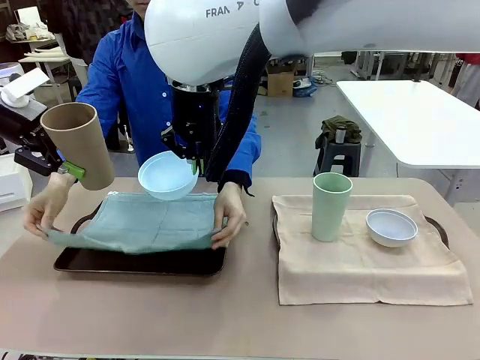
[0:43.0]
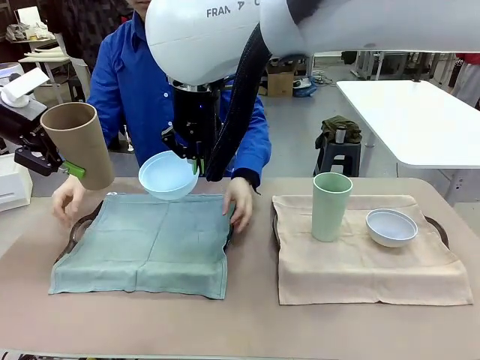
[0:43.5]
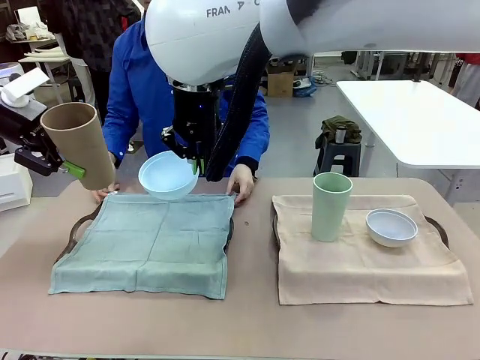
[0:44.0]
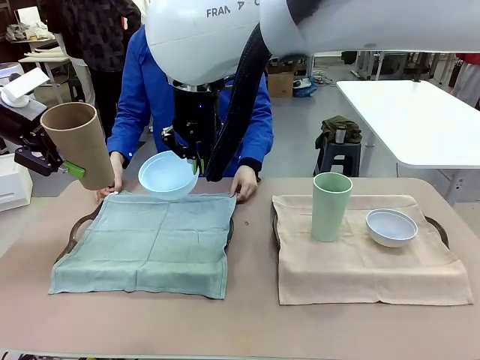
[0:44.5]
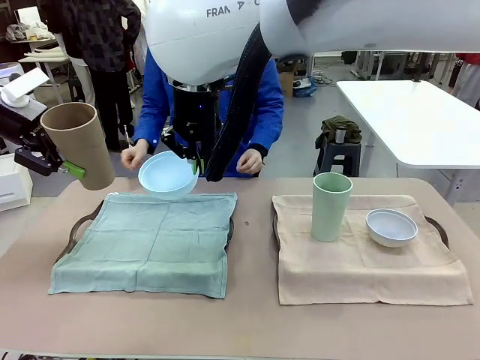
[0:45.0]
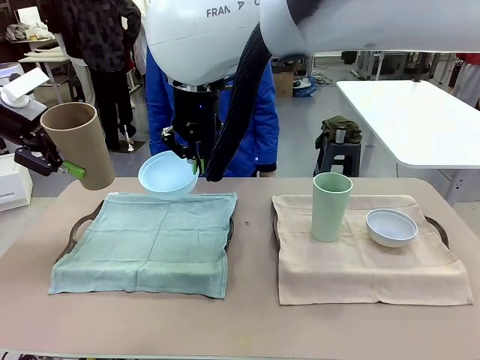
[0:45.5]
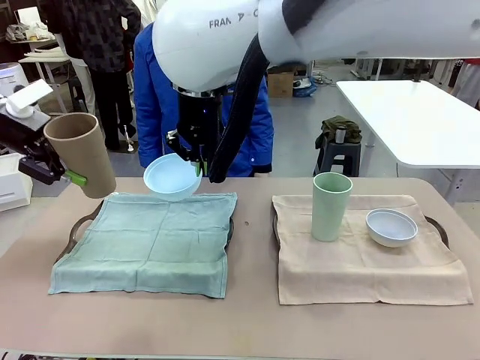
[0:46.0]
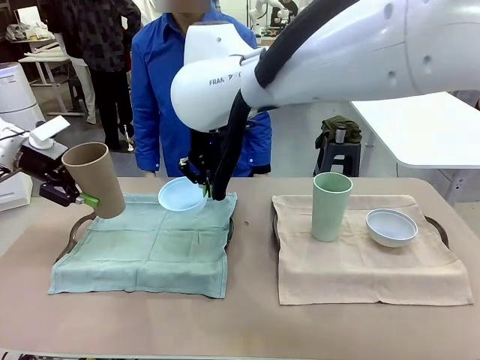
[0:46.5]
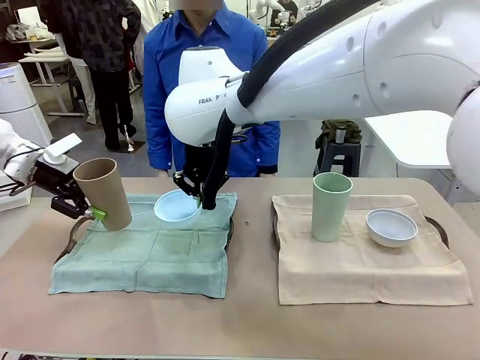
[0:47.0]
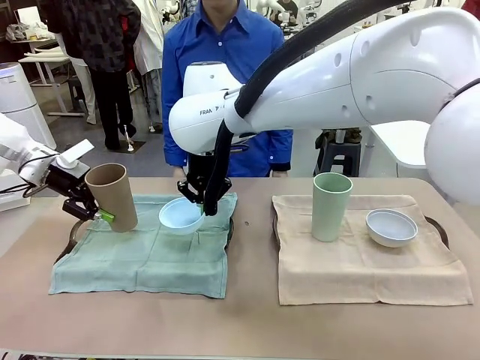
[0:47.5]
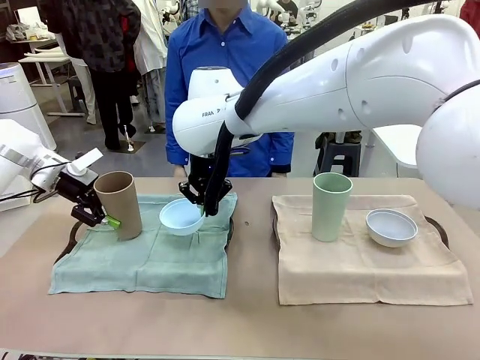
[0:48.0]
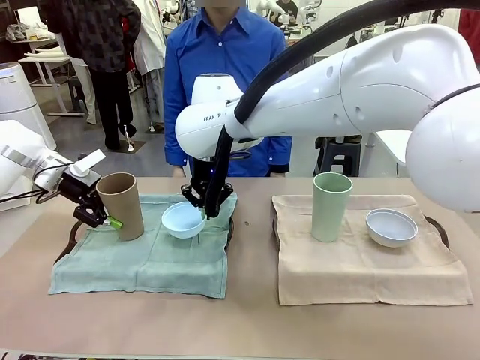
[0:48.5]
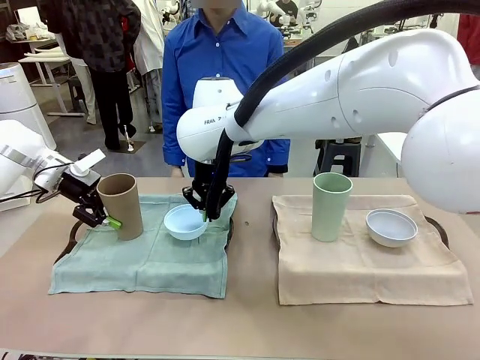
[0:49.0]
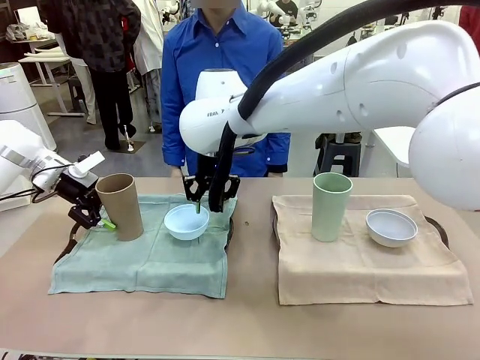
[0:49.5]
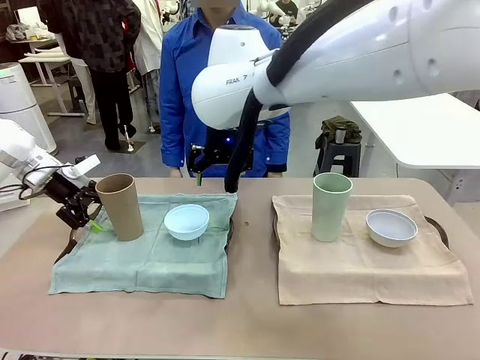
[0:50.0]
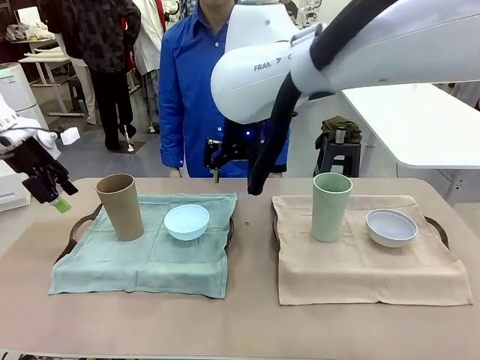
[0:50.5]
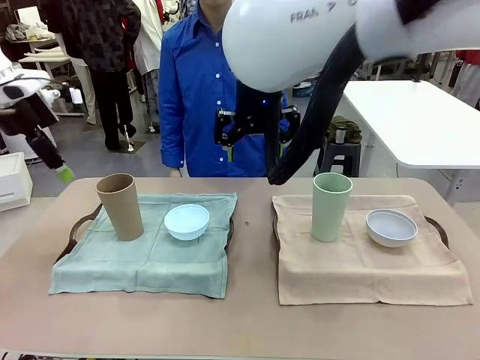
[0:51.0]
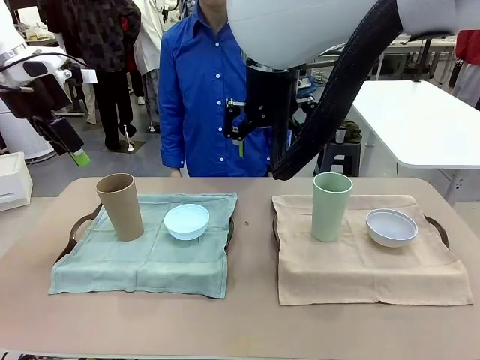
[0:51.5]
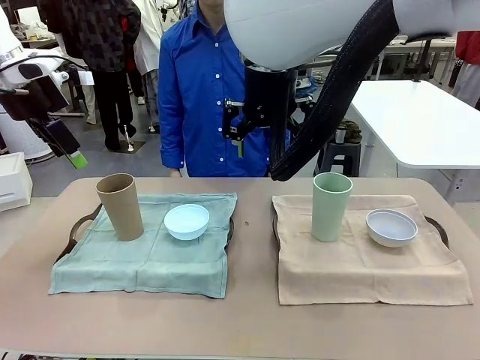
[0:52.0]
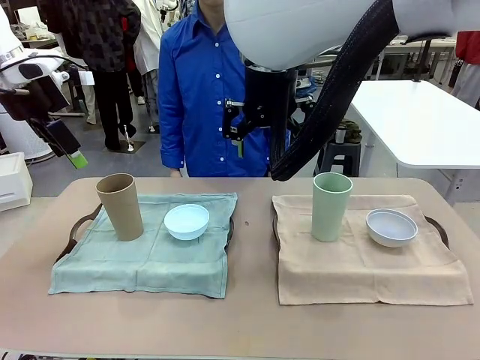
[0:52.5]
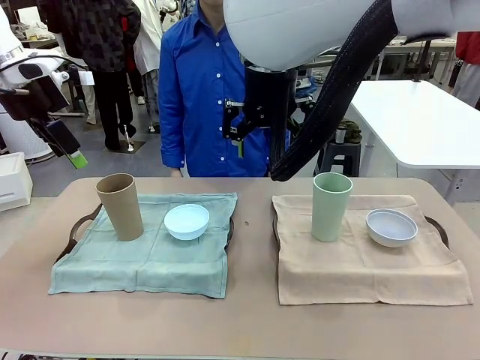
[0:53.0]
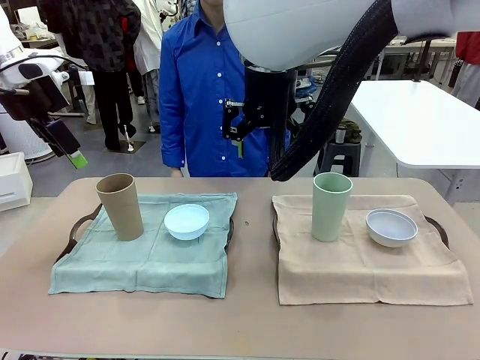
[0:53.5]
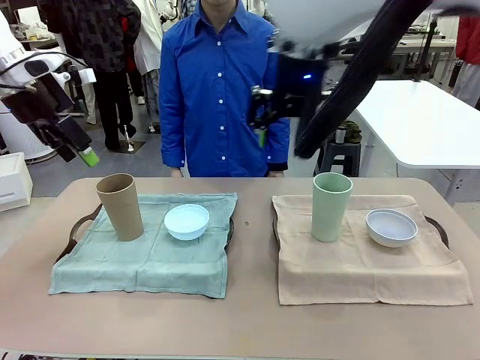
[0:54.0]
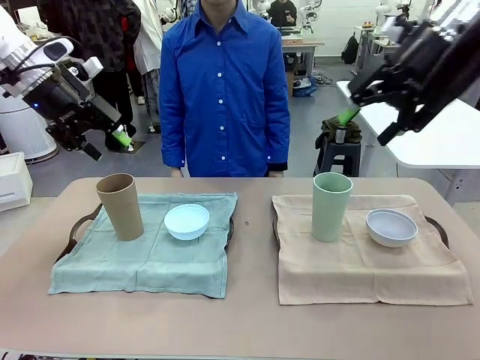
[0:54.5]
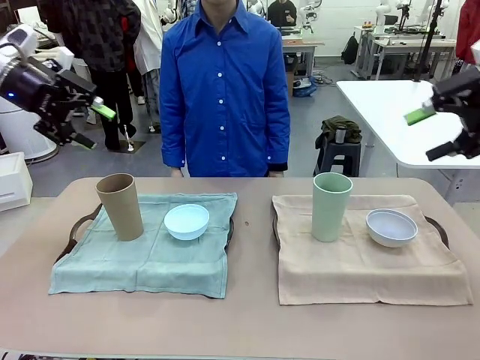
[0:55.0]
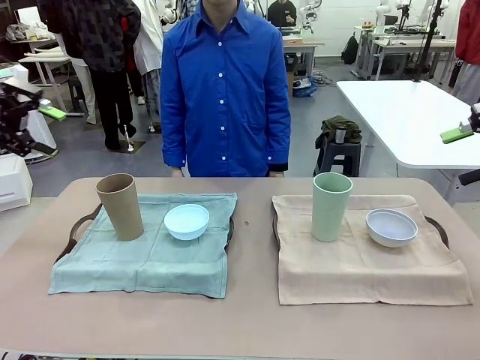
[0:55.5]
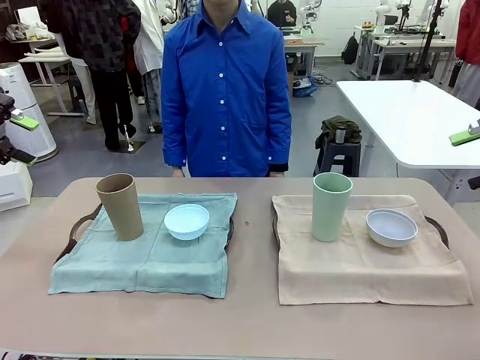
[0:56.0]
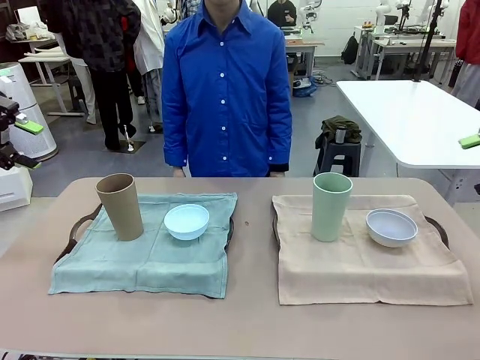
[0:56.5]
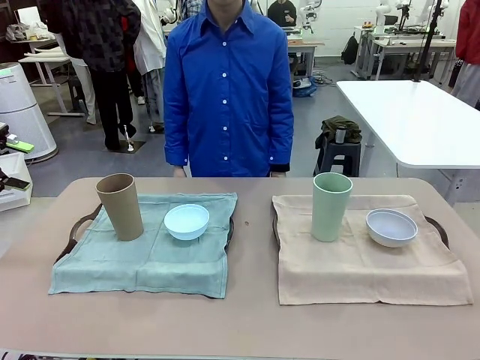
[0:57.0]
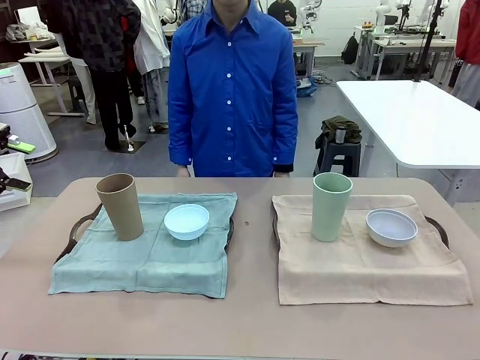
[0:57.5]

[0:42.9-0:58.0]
Robot: Place the Picnic Bowl and Reusable plastic cup back onto the Handle tray in front of the human's position.
Person: When the robot lifts the bowl and the cup, the human unfolds the napkin and lays the napkin flat on the tray.

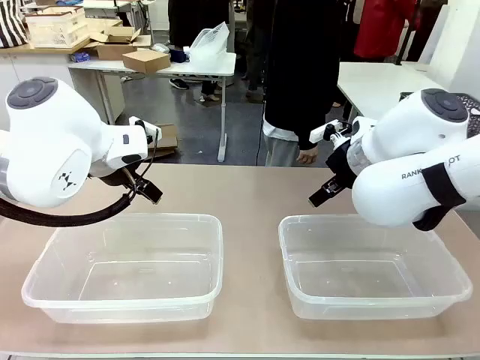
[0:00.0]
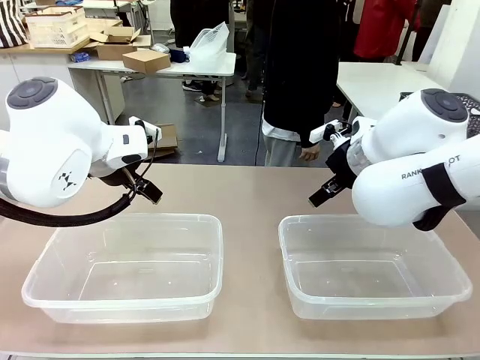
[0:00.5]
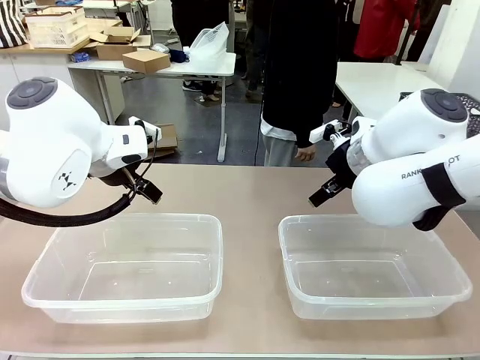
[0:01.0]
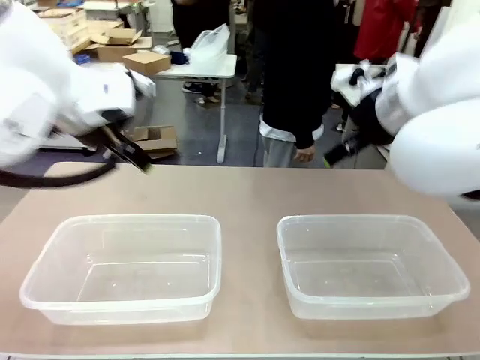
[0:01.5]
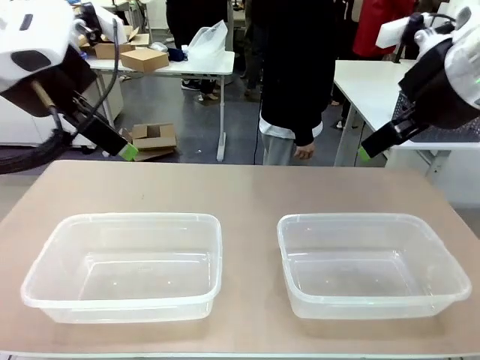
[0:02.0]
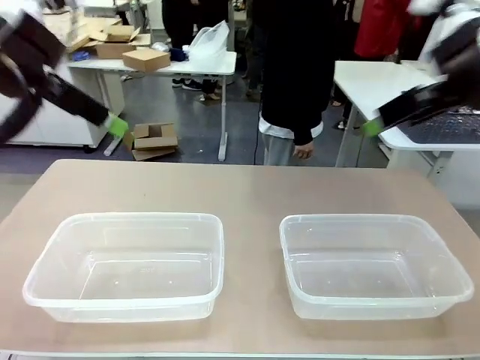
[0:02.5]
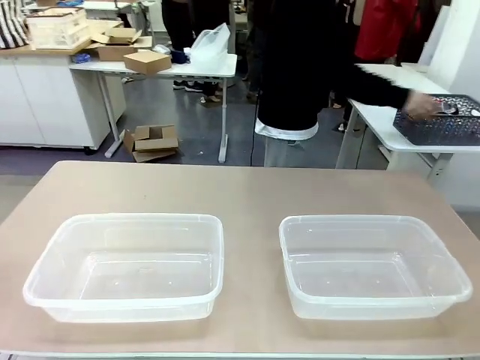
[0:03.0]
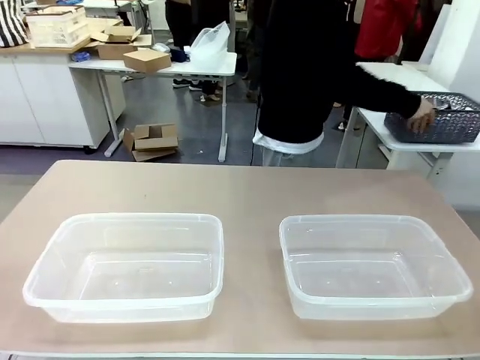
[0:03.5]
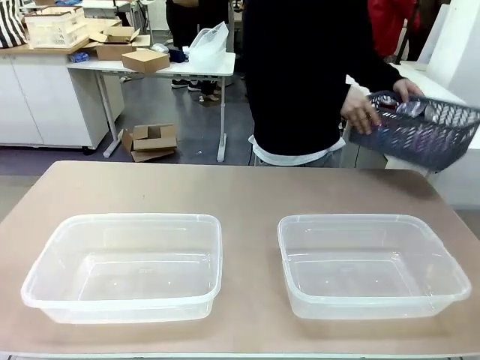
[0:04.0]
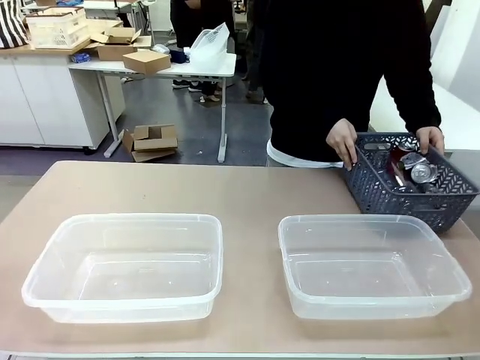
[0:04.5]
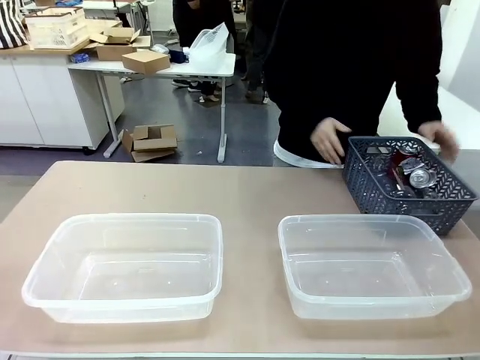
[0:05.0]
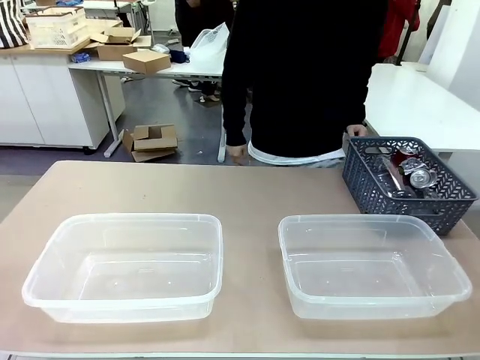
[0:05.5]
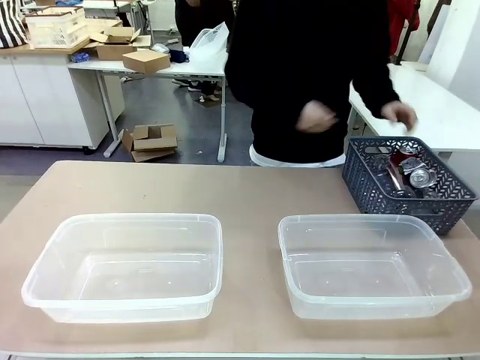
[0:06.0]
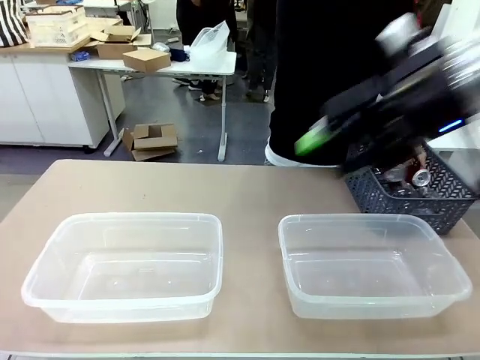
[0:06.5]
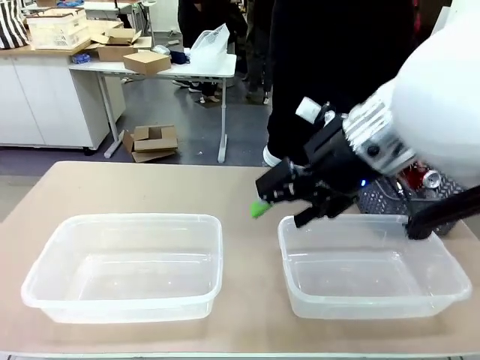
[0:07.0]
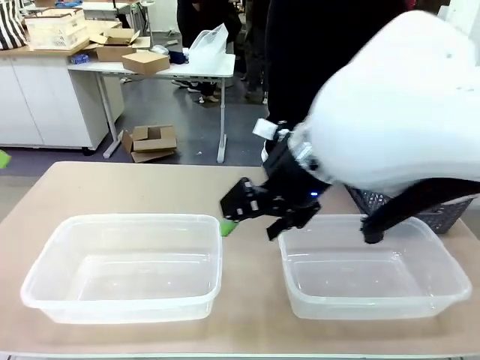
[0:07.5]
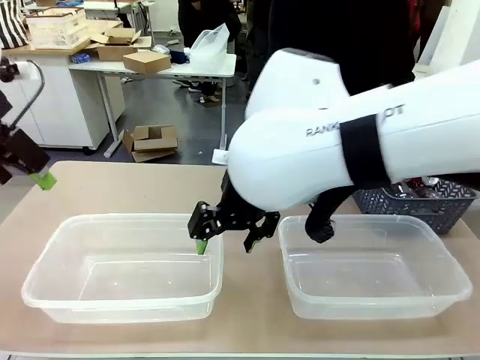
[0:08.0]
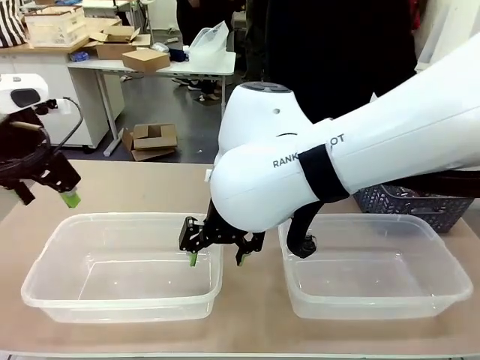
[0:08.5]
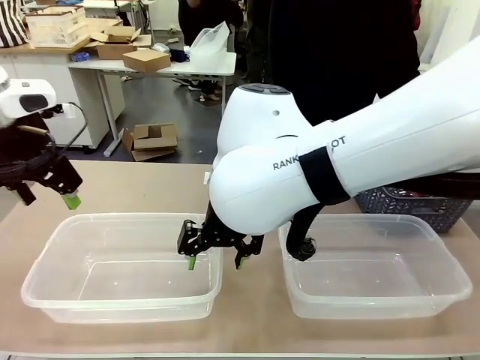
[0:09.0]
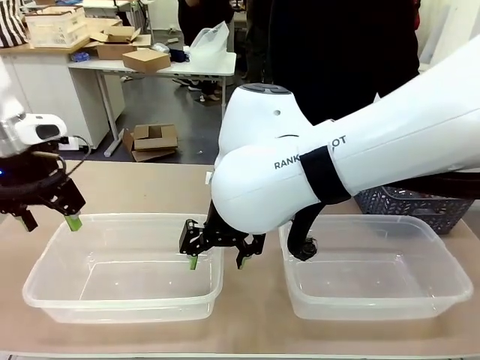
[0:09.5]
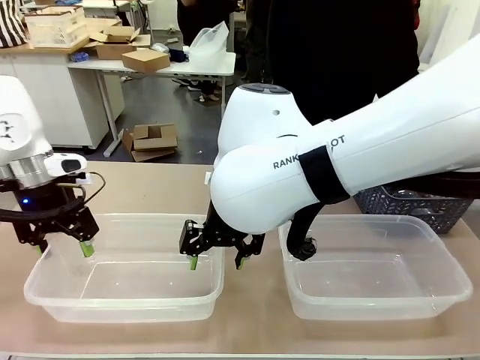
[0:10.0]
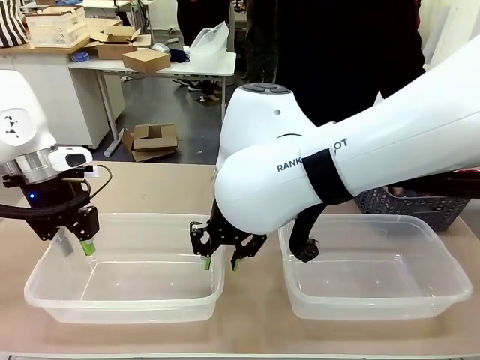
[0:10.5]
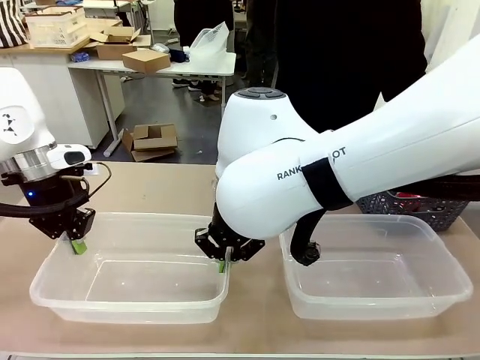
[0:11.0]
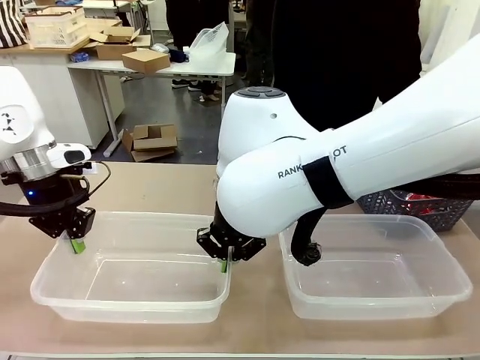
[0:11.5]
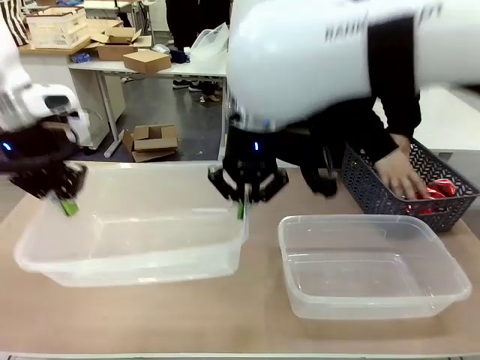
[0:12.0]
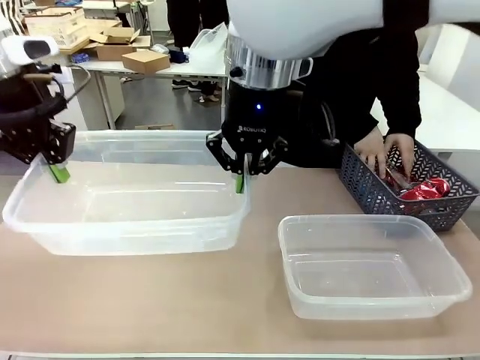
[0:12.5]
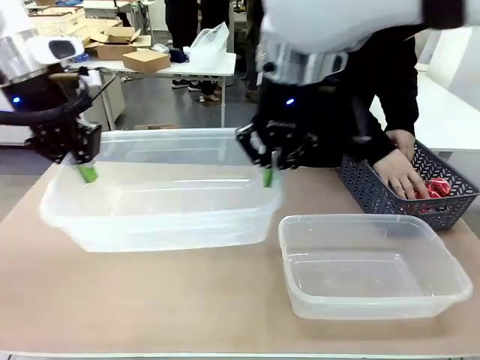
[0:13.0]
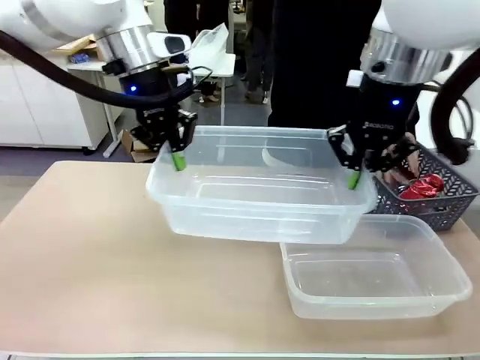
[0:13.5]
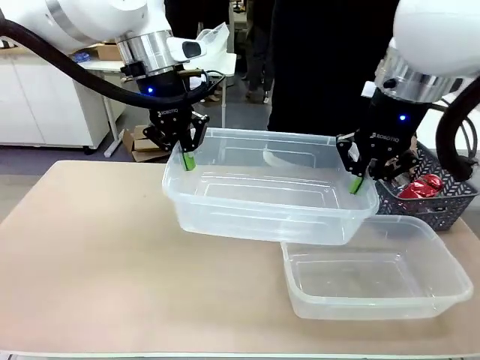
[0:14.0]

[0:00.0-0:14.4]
Robot: Pick up the Organizing box on the left side of the table and lift it.
Person: Pick up the storage basket and place it on the left side of the robot table. Pick up can-shaped waste one by one and place it into the organizing box lifted by the robot.
